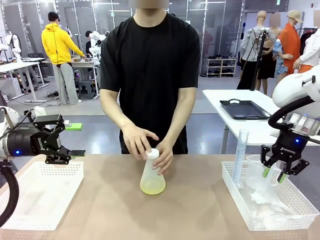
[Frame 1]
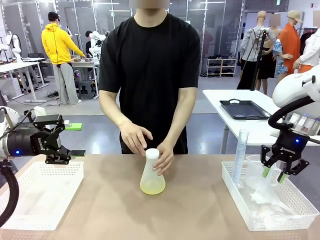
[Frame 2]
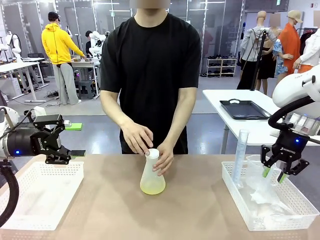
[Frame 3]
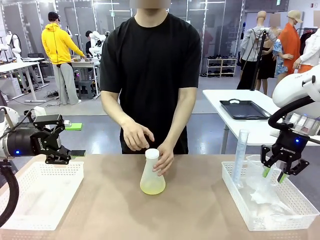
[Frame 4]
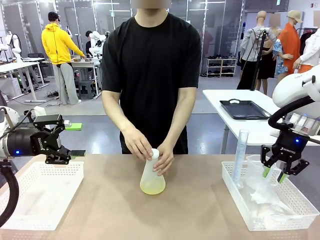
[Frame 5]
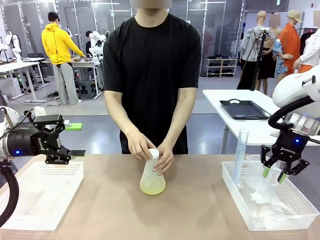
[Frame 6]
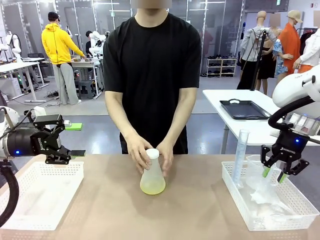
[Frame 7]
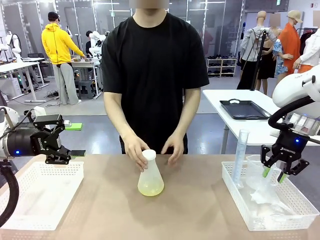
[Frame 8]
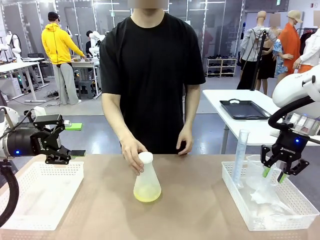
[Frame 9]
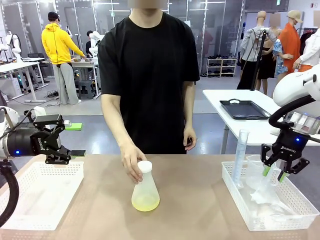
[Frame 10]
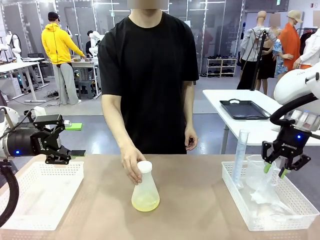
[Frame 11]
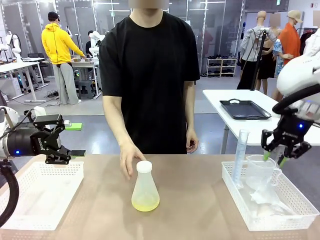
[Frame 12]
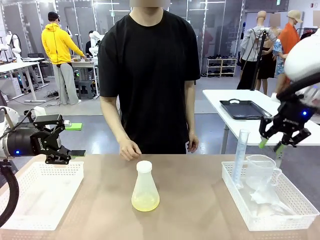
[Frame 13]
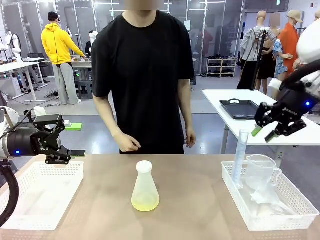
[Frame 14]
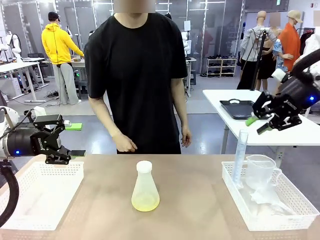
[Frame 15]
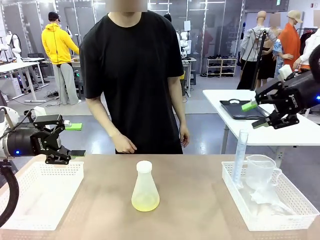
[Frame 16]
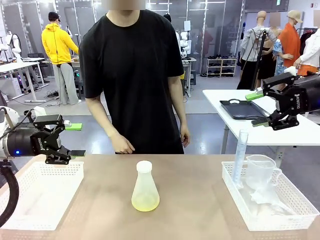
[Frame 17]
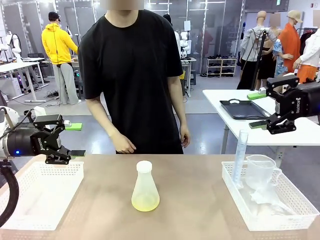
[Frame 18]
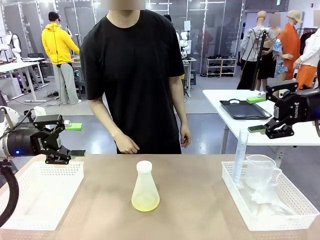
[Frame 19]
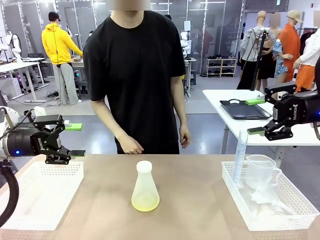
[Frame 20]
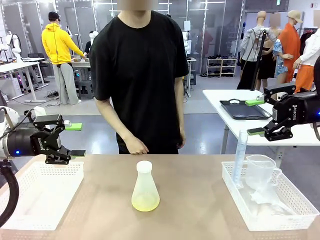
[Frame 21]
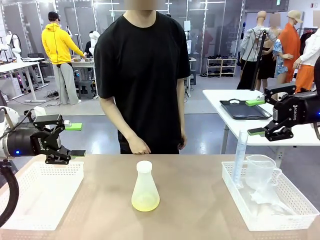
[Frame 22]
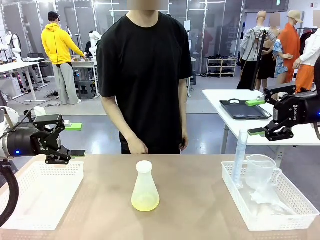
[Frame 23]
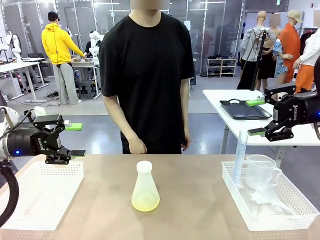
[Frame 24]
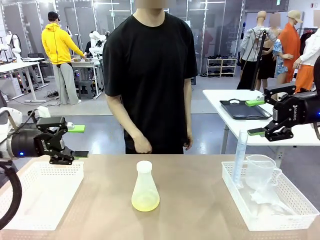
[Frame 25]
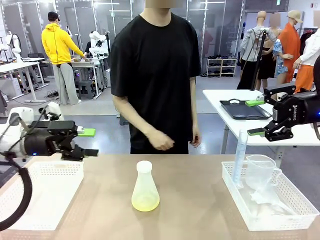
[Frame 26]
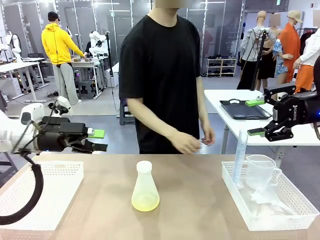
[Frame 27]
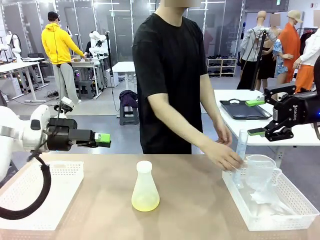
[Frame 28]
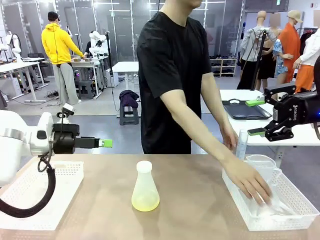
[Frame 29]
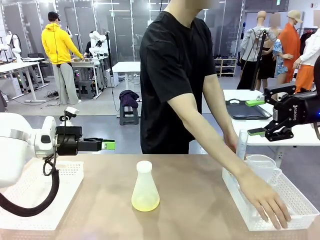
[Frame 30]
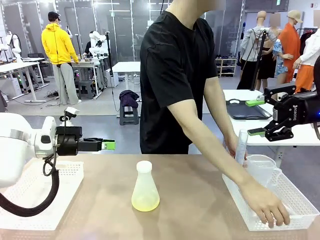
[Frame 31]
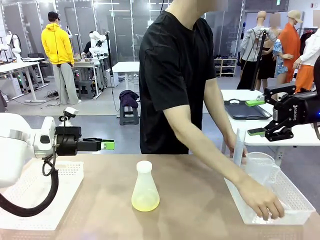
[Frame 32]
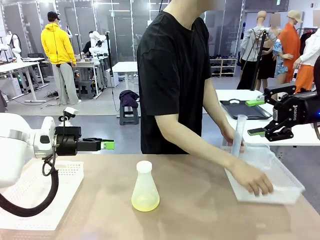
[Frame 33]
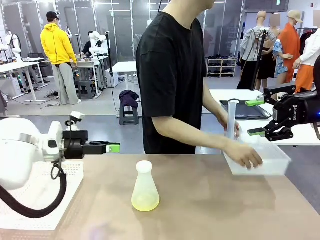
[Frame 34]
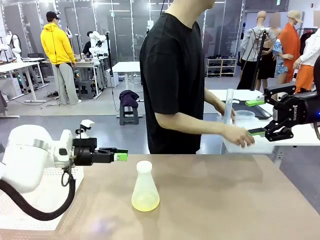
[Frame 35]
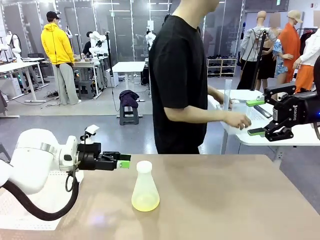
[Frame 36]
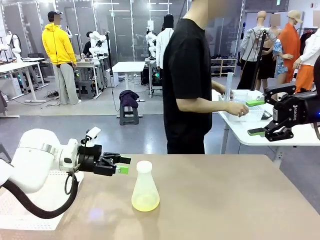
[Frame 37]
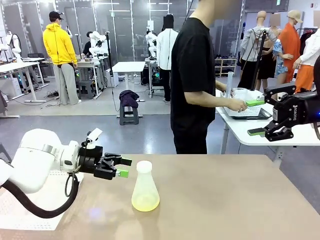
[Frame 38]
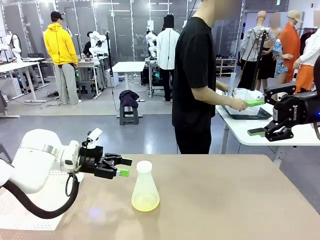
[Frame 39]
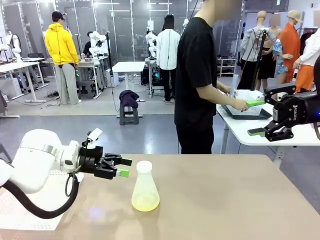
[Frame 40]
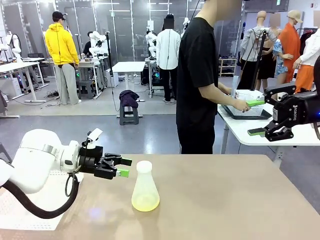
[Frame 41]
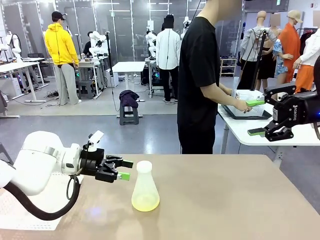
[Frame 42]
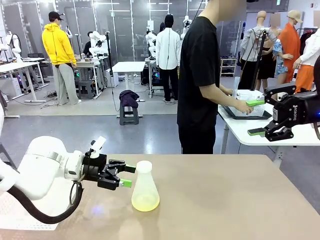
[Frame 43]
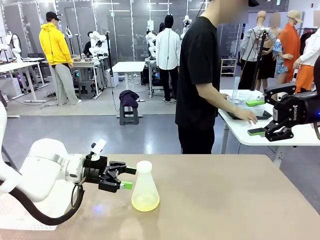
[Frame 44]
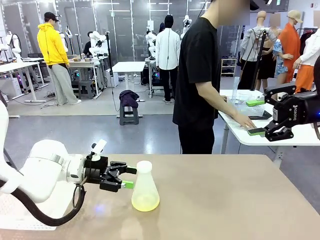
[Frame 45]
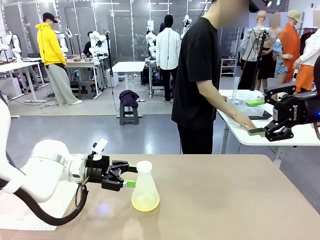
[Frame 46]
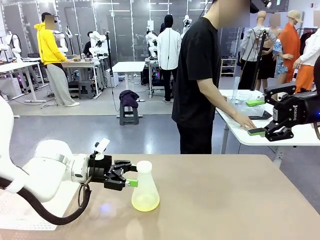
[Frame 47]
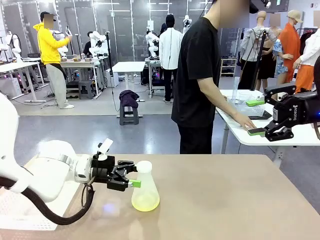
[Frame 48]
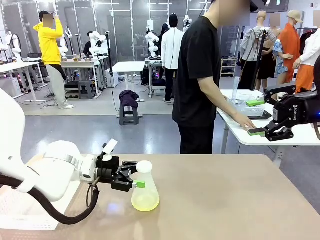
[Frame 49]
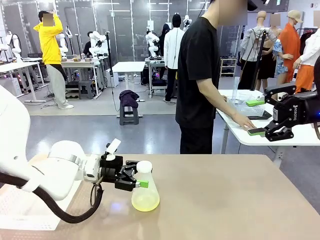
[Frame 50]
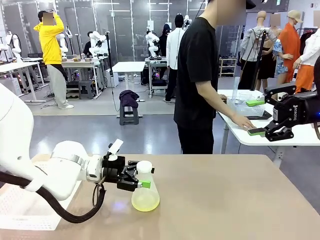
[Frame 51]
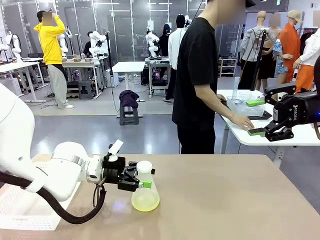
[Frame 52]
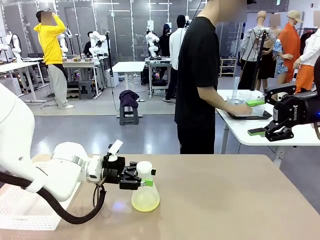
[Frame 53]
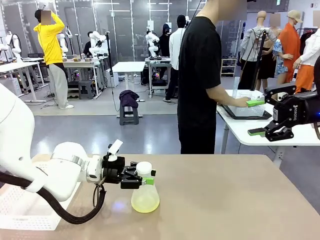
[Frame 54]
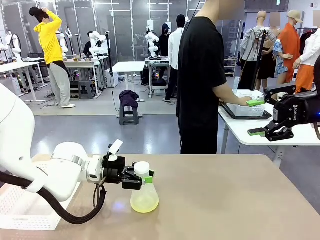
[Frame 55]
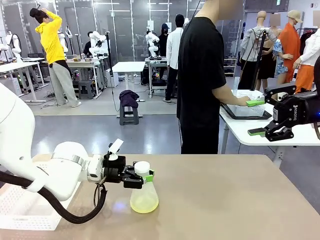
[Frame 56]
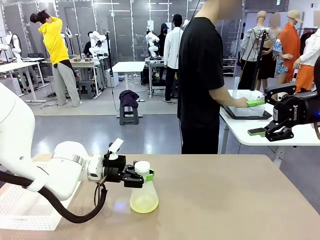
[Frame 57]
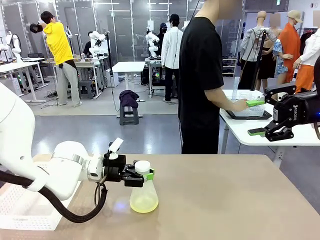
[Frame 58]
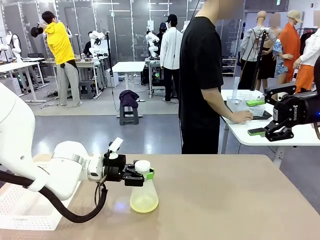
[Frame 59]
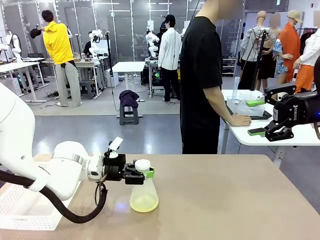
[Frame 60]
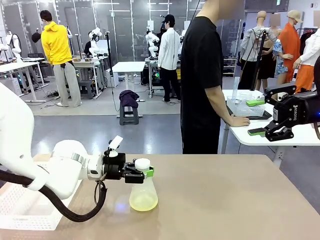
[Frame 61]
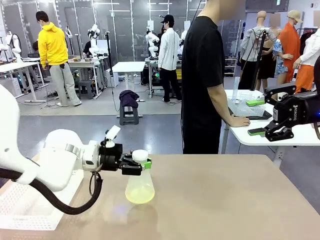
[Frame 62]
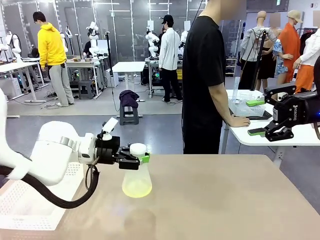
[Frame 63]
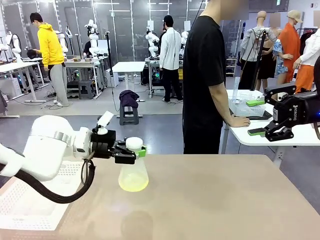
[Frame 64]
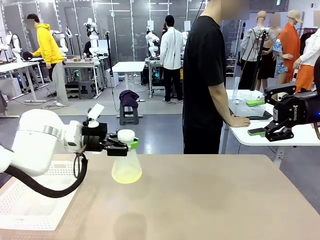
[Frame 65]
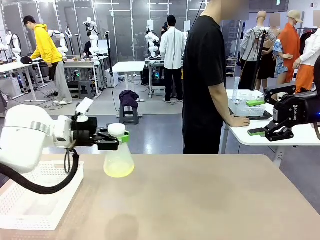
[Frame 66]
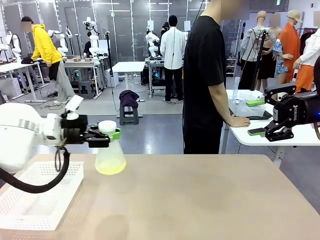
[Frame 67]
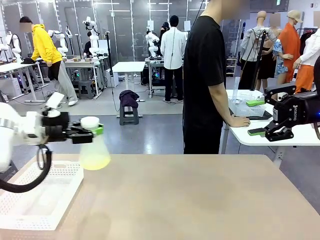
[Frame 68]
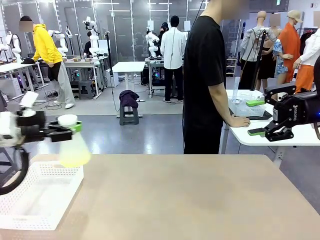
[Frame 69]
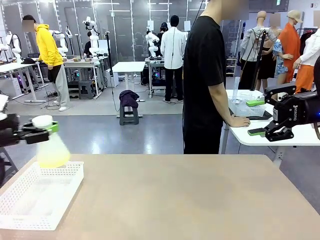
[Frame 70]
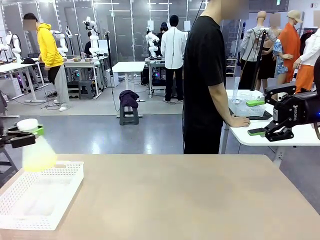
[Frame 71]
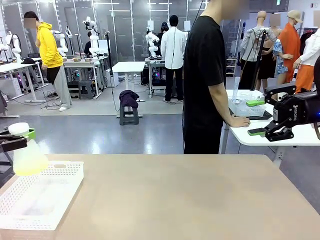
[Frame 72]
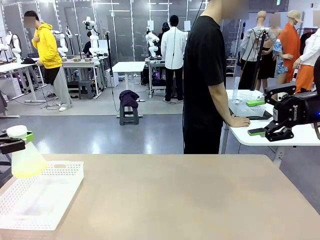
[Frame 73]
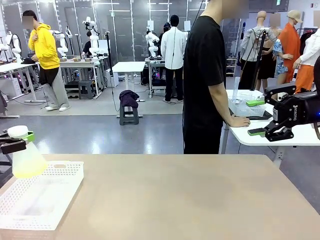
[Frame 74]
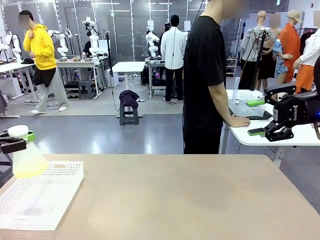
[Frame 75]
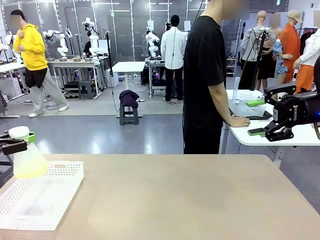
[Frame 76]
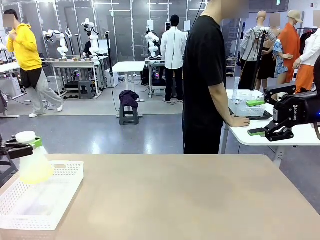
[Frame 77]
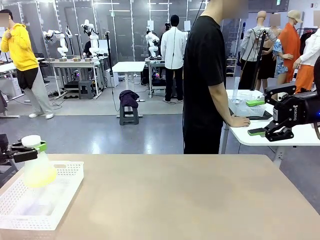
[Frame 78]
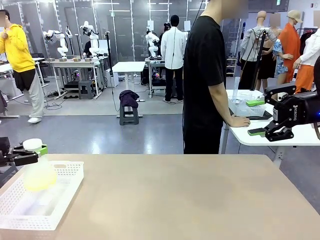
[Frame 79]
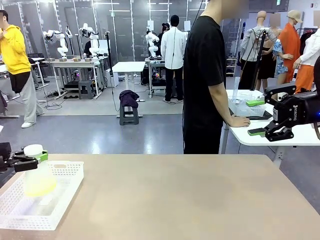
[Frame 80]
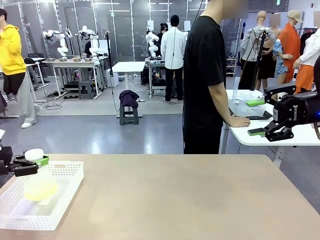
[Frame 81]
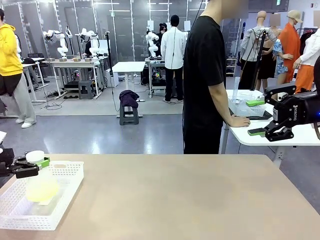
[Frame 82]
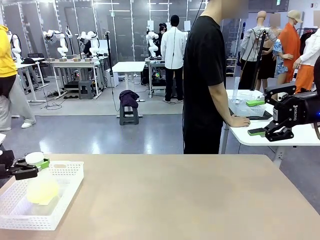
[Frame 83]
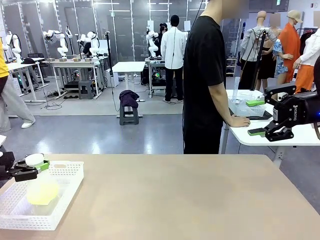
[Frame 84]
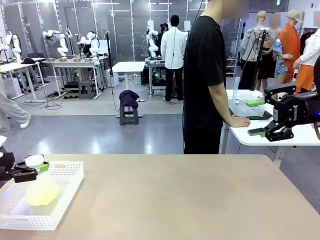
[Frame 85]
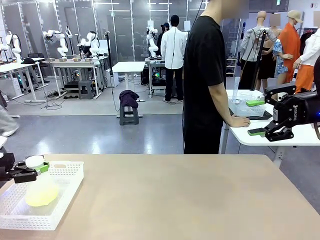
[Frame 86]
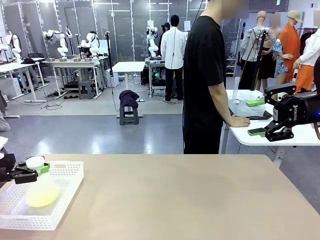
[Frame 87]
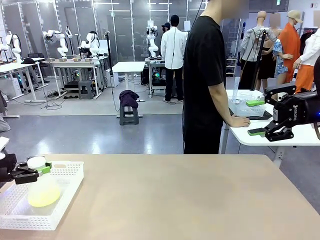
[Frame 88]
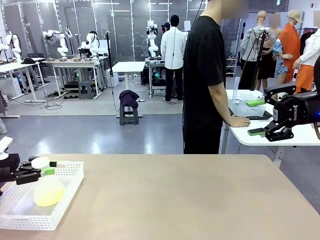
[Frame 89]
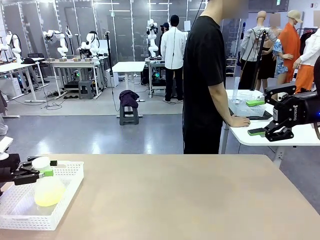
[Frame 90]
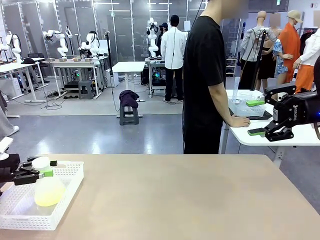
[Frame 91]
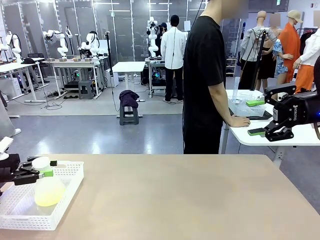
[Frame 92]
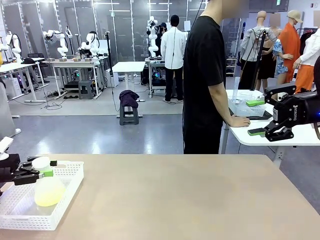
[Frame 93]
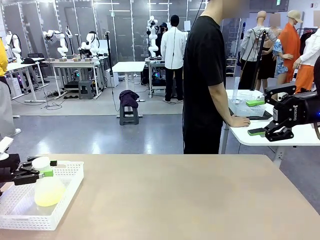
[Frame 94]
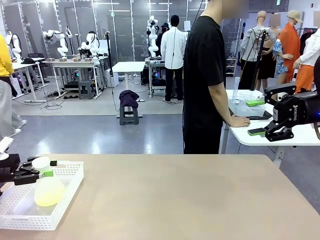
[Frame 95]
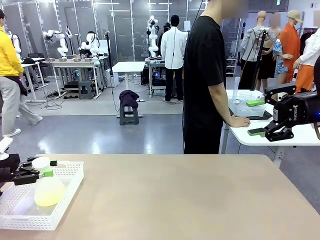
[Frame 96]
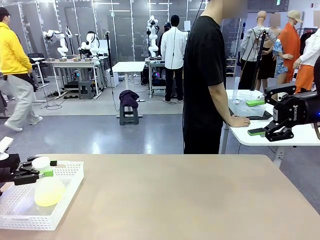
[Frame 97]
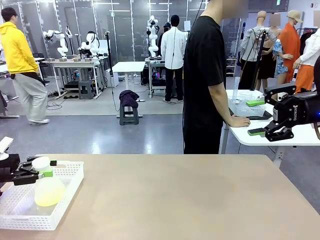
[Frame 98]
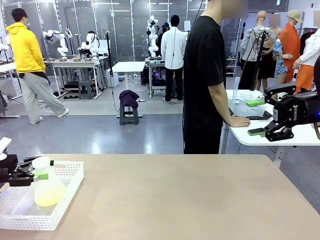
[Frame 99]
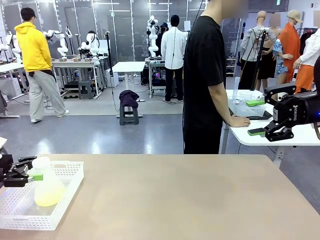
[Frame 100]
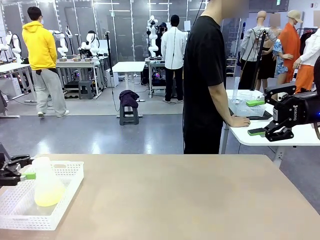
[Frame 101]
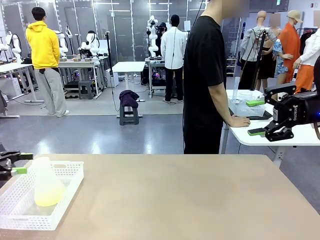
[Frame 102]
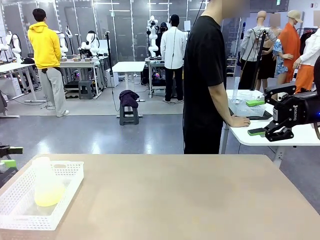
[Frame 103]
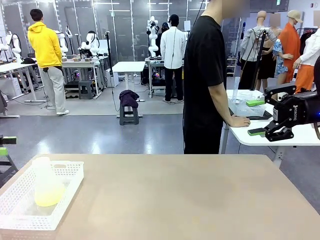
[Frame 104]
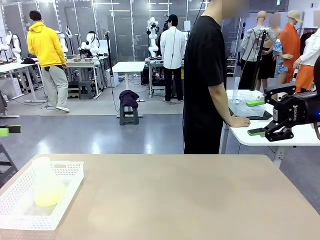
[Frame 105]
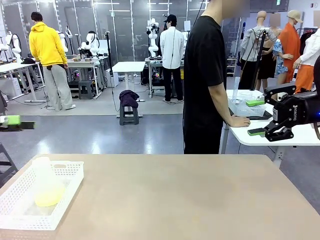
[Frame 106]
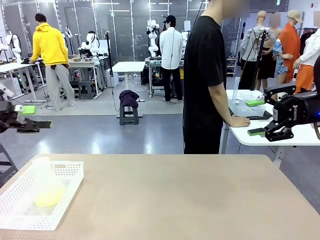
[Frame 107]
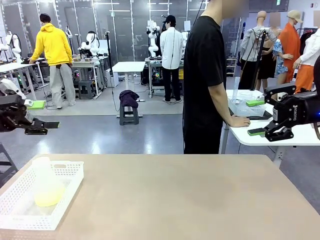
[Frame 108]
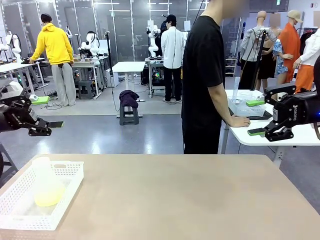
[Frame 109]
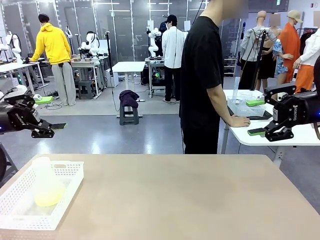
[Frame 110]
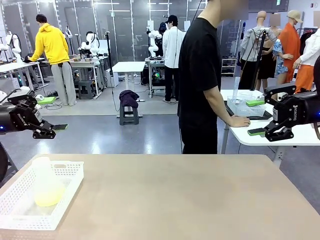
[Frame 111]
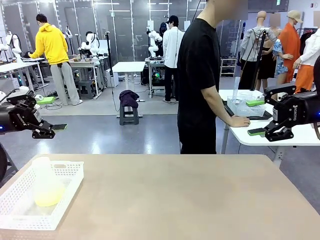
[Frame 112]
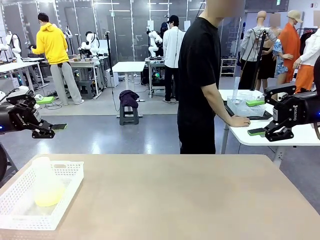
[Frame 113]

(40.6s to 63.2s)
Task: Prepare the solutions needed for the experiment.
Robot: When the human places the Big flask in the center of the table, pick up the Big flask and place it in the left Organizing basket.
Person: Pick up the organizing basket on the left side of the robot table and place it on the left side of the human table.
